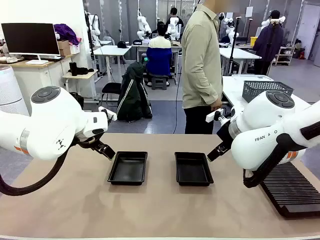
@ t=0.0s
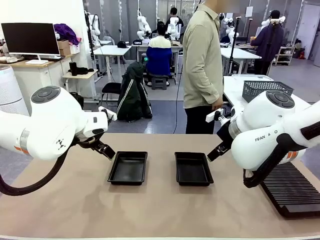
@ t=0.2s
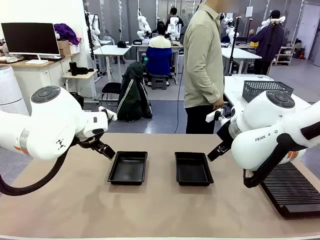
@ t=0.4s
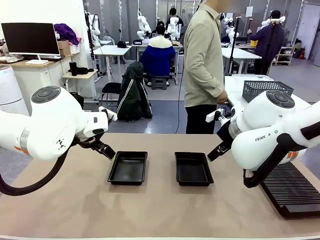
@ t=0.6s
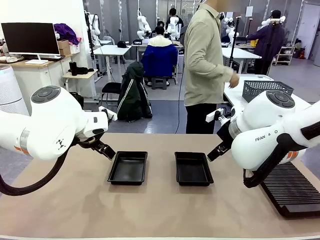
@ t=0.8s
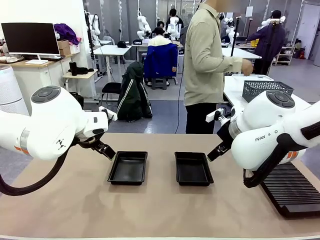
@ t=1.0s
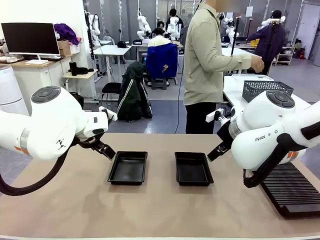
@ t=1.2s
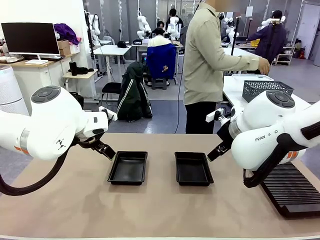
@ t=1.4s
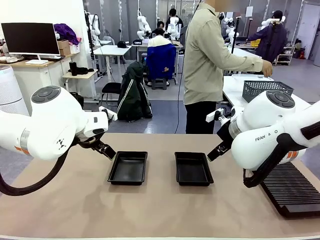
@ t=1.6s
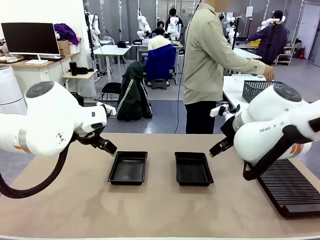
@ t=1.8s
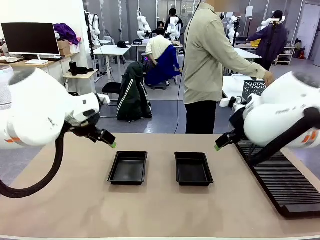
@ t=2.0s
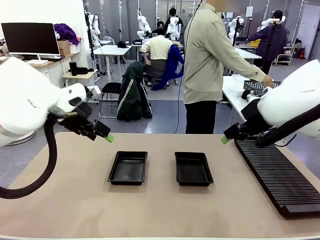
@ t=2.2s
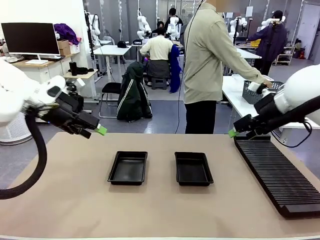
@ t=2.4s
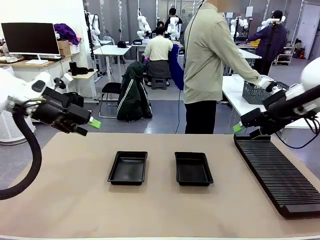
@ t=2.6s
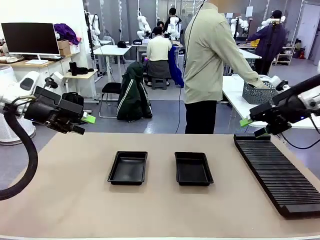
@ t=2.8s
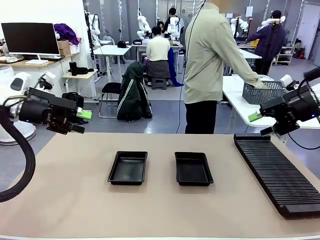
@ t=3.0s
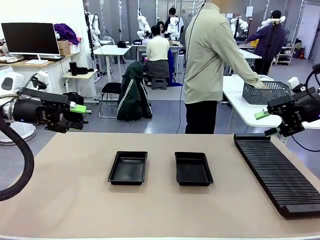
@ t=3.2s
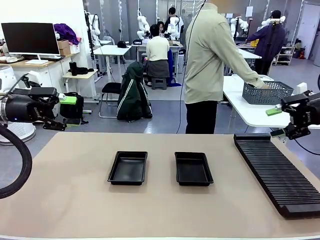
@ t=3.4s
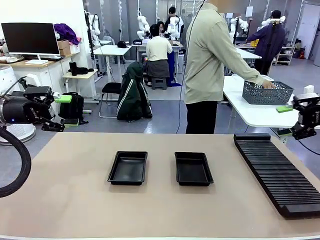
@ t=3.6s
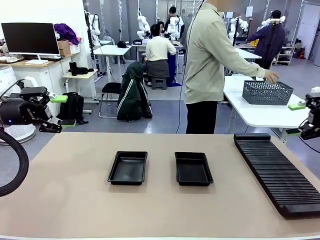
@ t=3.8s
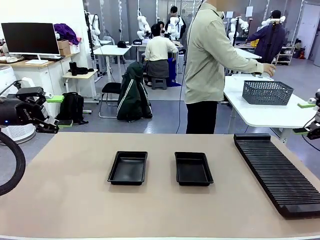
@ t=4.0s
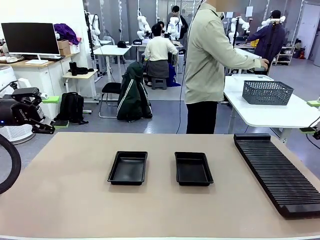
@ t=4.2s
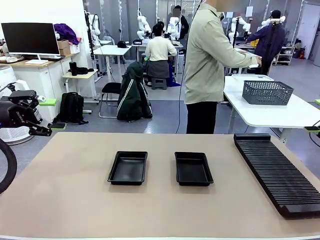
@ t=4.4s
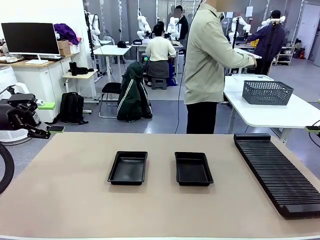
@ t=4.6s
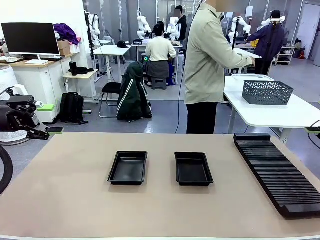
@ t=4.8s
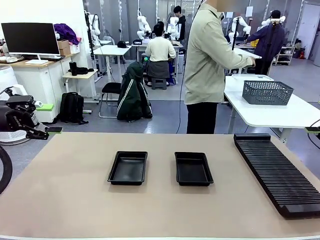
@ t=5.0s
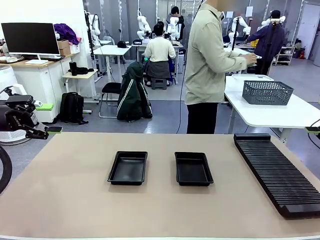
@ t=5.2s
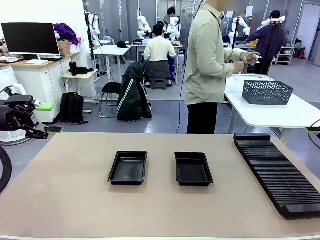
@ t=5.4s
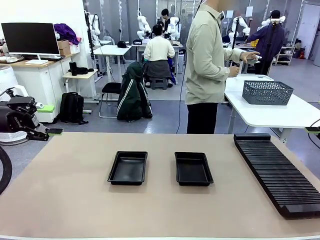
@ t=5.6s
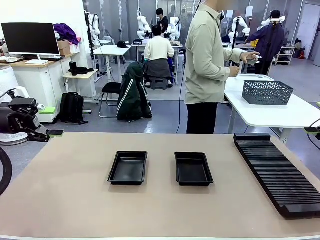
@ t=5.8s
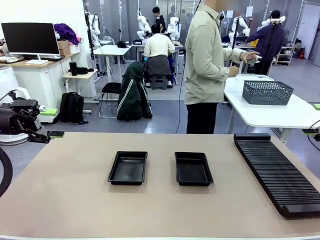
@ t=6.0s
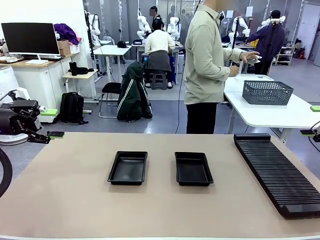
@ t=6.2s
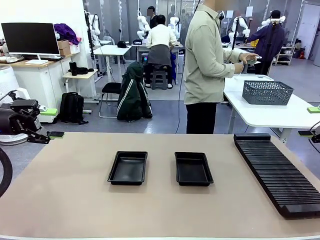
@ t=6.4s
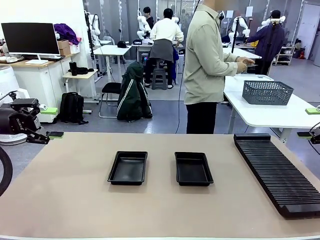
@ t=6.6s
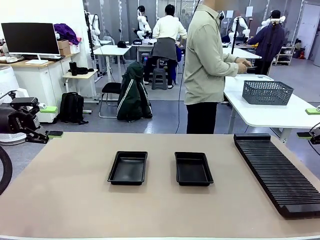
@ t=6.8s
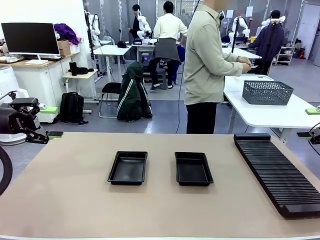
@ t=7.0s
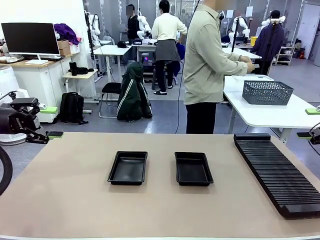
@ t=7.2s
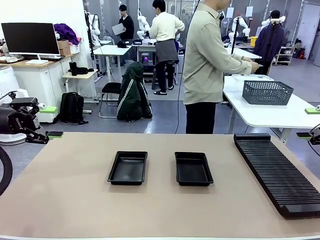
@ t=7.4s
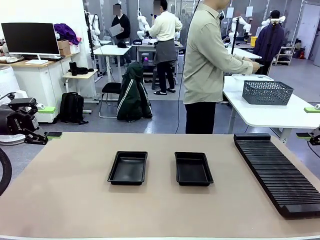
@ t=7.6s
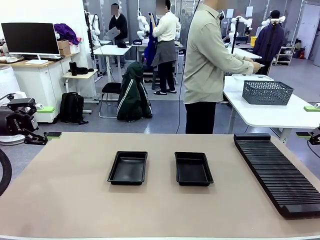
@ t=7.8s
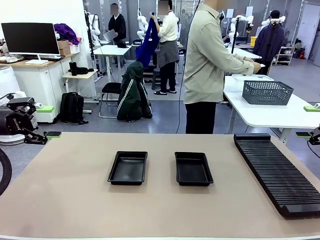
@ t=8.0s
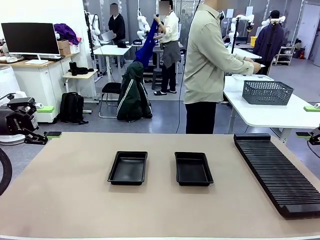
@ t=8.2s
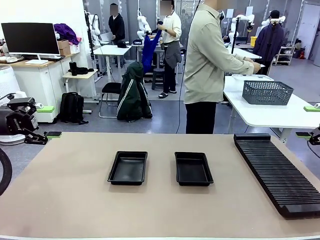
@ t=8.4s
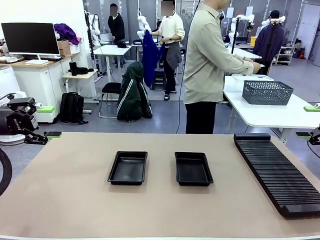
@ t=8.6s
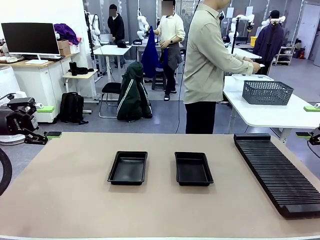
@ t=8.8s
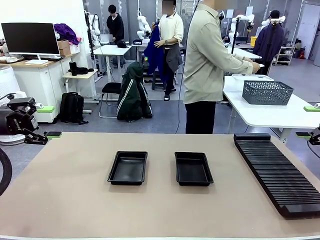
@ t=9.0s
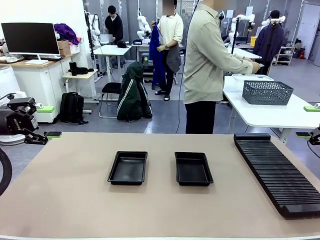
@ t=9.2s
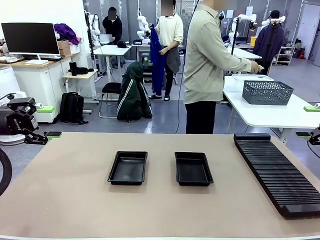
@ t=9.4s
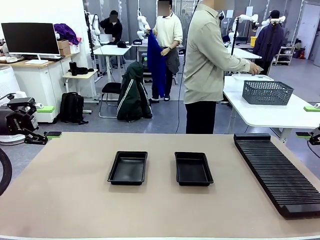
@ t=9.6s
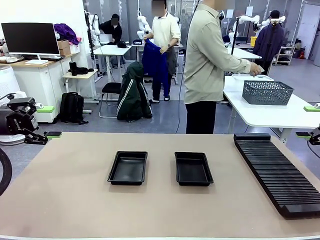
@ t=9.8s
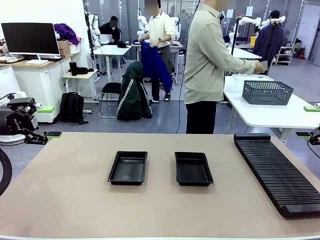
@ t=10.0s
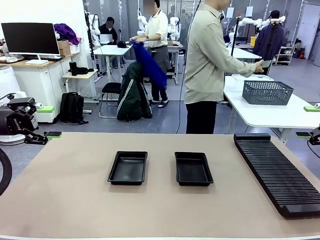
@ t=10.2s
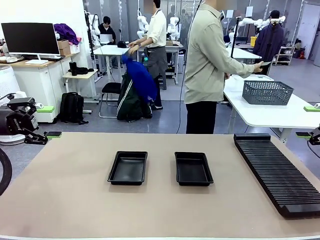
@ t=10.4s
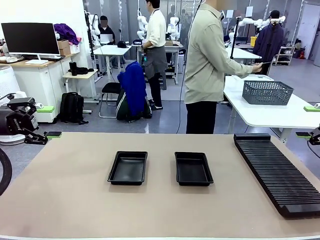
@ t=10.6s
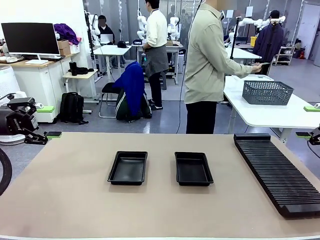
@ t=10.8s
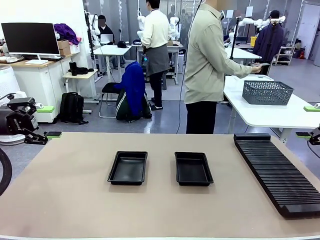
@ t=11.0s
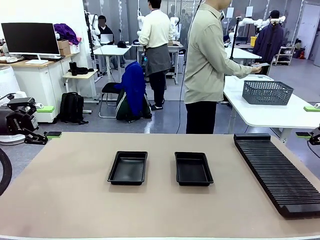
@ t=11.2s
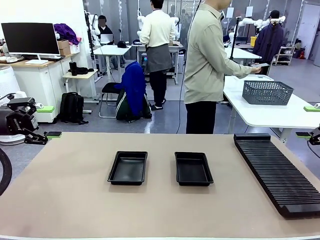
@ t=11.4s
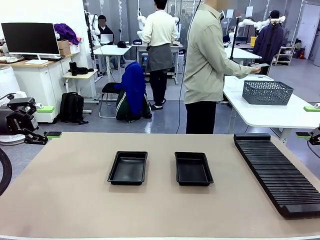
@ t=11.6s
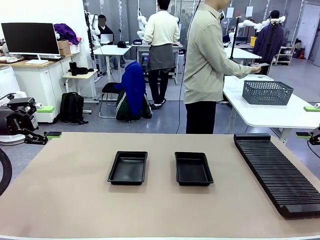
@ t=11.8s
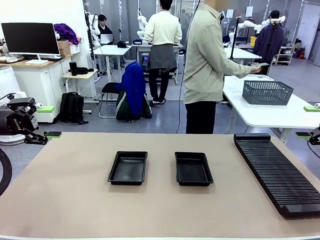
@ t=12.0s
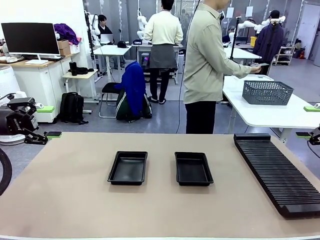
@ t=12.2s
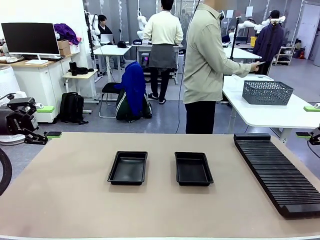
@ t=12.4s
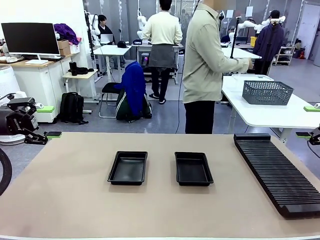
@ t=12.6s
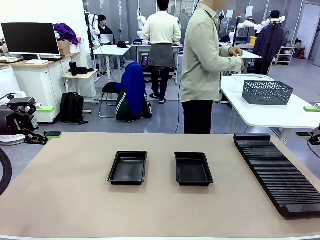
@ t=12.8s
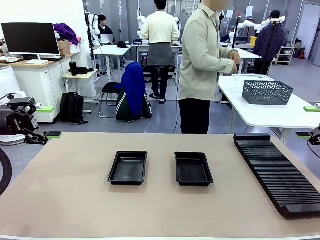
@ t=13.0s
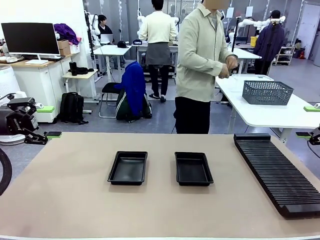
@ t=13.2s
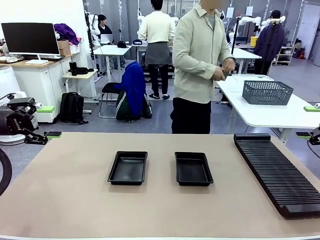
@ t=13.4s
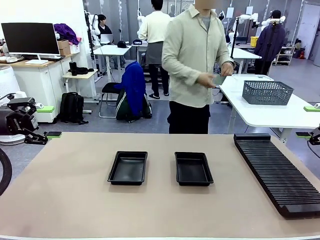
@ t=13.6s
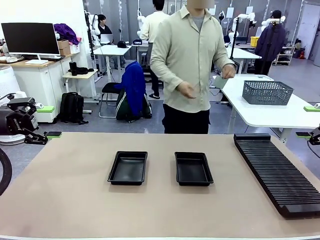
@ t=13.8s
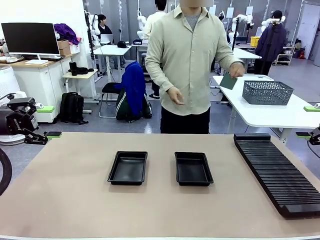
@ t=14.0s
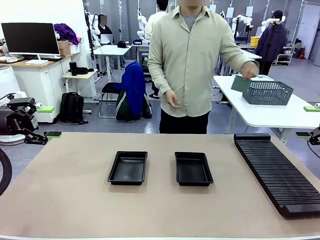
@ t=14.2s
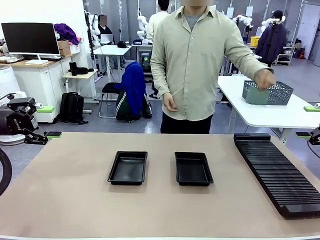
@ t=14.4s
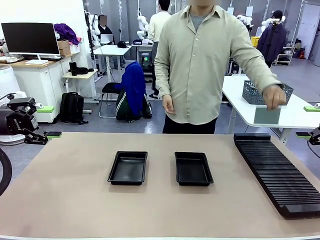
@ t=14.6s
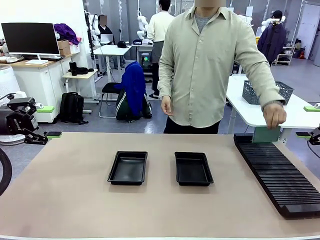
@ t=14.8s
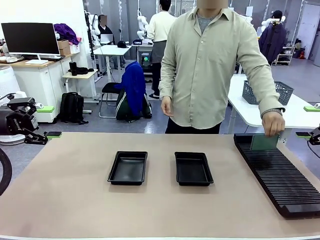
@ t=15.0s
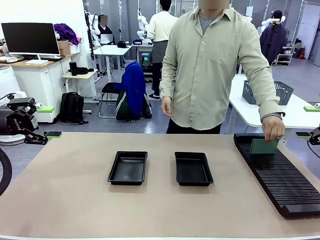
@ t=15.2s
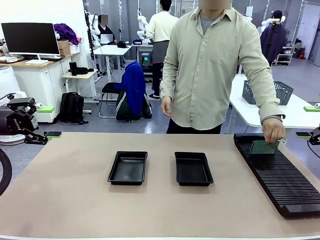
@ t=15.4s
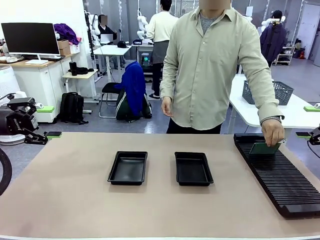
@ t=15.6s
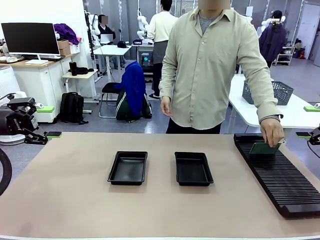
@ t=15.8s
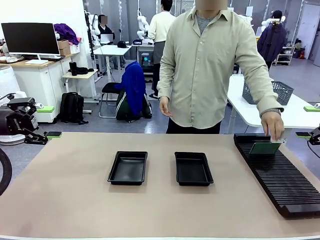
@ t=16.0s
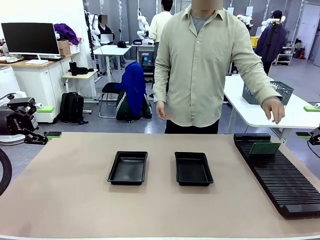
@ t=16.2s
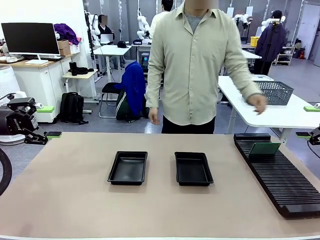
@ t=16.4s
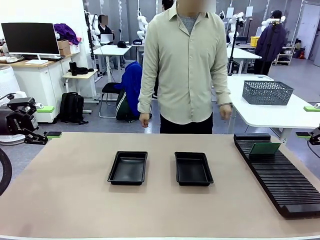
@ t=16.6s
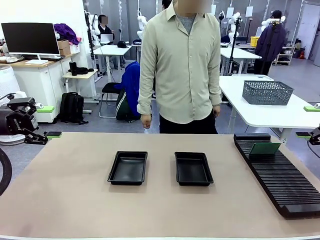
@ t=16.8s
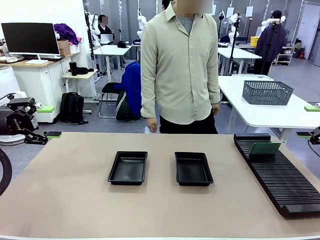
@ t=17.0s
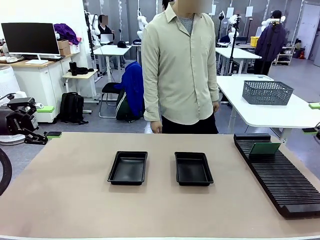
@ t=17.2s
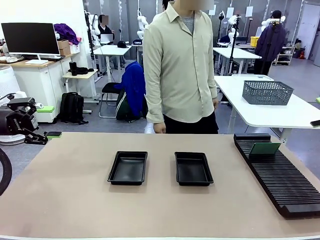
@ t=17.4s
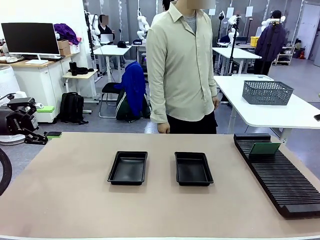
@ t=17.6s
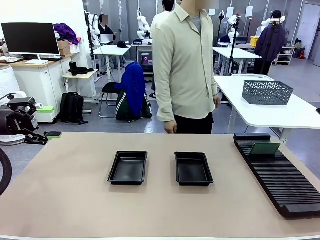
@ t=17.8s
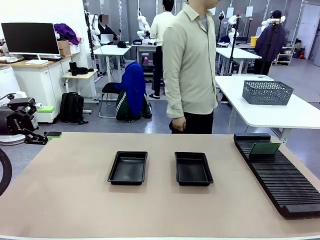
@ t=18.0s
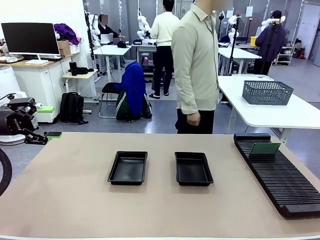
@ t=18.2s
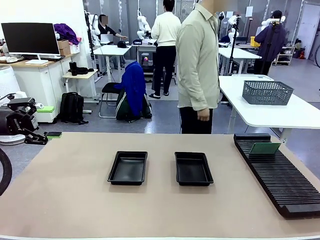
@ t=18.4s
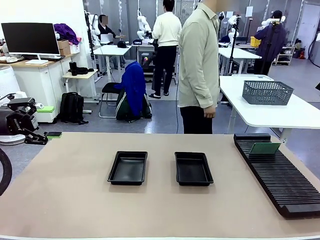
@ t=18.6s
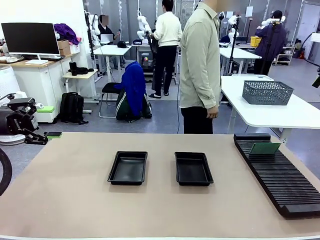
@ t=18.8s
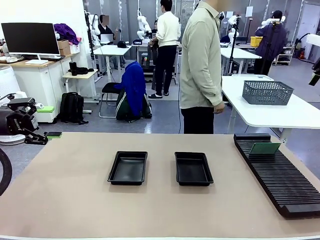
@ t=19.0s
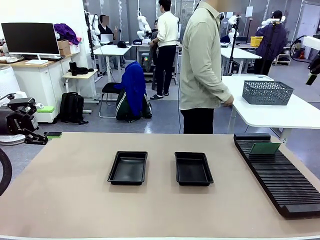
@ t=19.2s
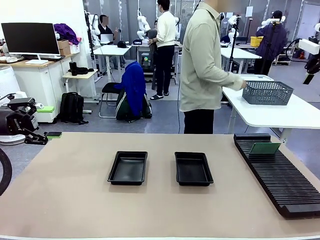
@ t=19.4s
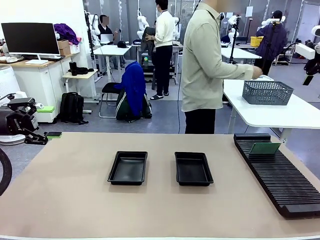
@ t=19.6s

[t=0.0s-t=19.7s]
Task: Inspect and transfer BCBs to ESD trays.
Robot: Pick up the Blank PCB from the PCB Rack and place it in the left ESD tray.
